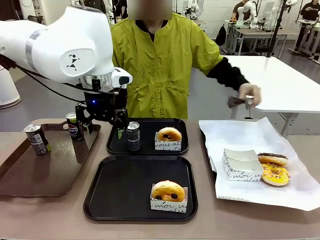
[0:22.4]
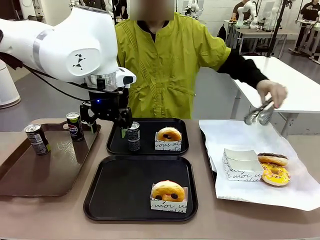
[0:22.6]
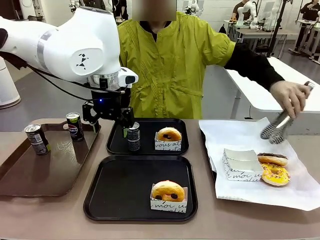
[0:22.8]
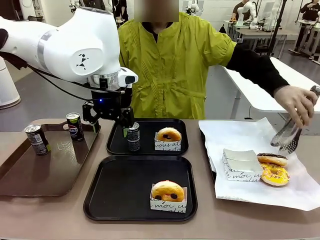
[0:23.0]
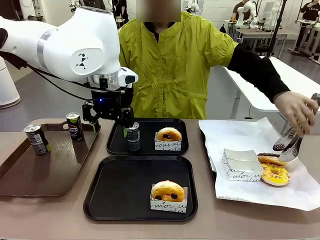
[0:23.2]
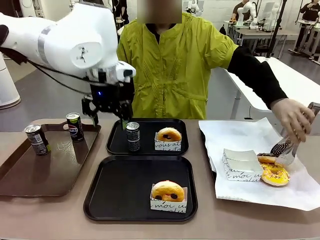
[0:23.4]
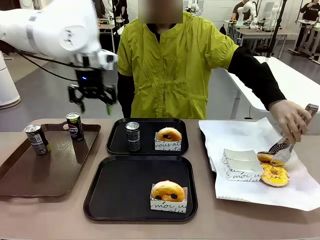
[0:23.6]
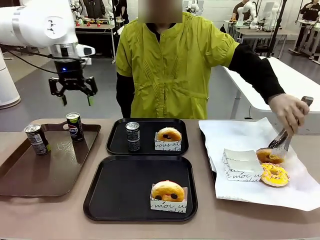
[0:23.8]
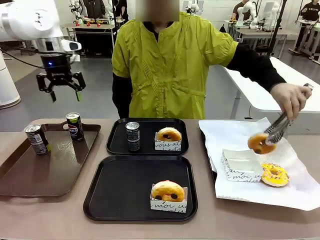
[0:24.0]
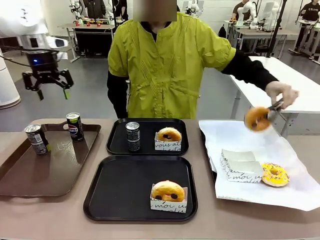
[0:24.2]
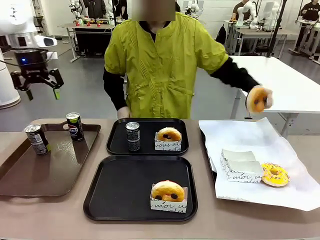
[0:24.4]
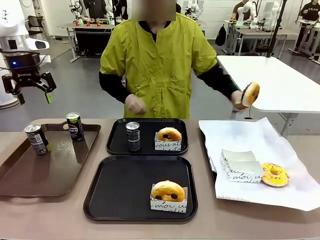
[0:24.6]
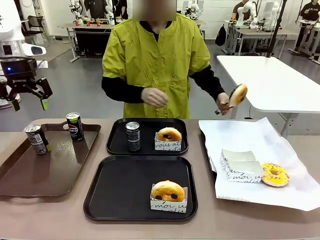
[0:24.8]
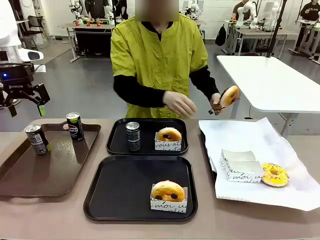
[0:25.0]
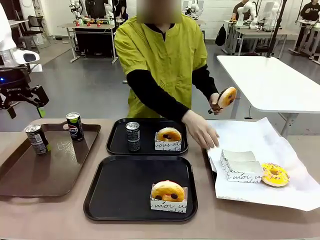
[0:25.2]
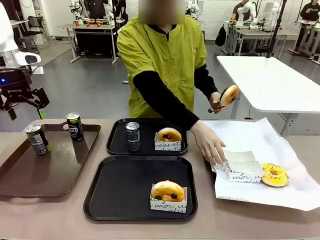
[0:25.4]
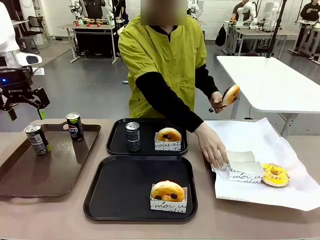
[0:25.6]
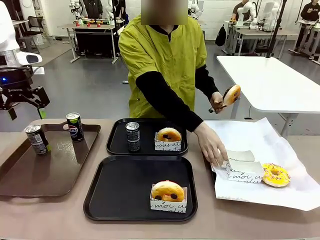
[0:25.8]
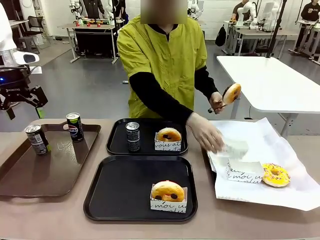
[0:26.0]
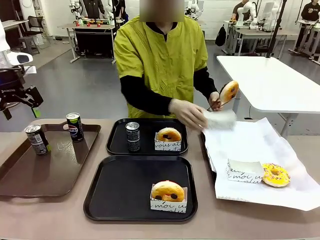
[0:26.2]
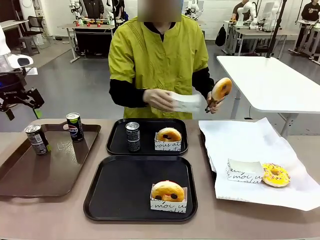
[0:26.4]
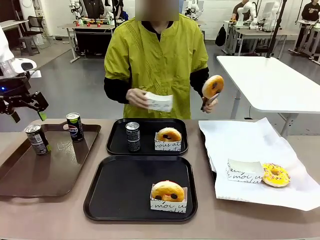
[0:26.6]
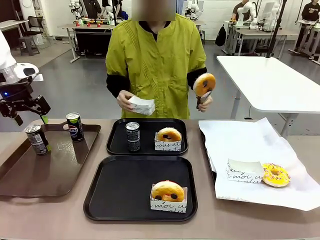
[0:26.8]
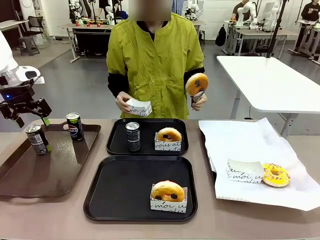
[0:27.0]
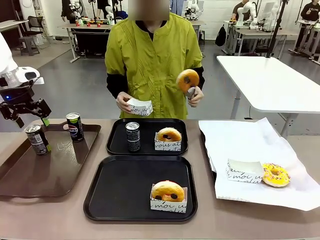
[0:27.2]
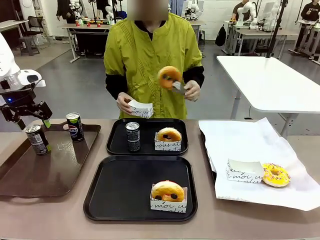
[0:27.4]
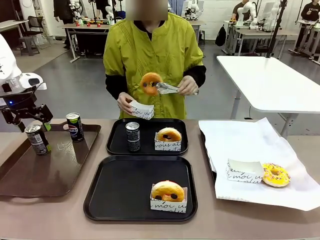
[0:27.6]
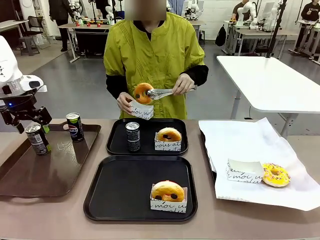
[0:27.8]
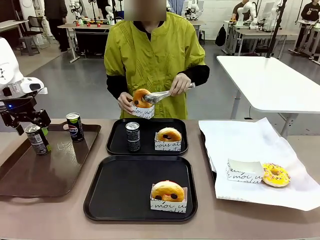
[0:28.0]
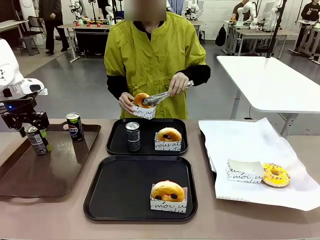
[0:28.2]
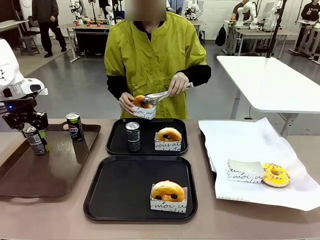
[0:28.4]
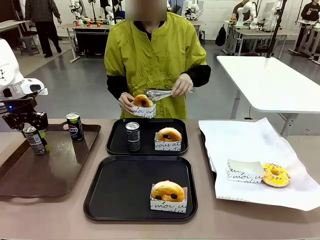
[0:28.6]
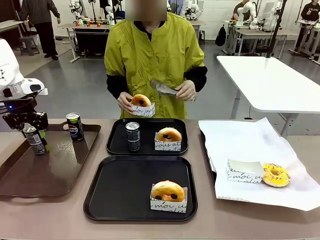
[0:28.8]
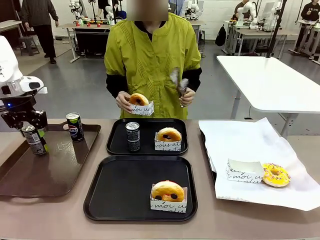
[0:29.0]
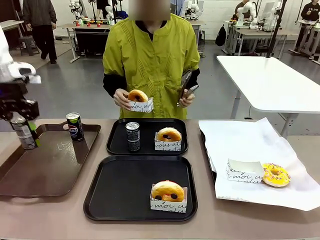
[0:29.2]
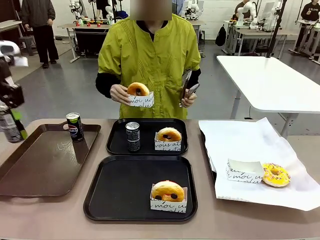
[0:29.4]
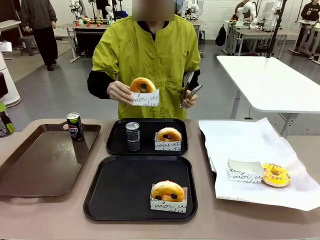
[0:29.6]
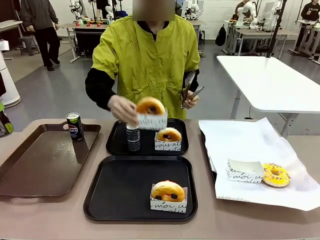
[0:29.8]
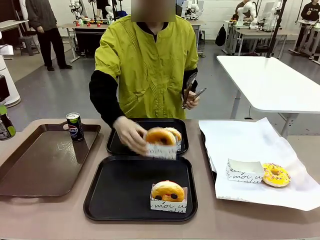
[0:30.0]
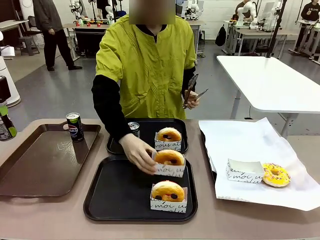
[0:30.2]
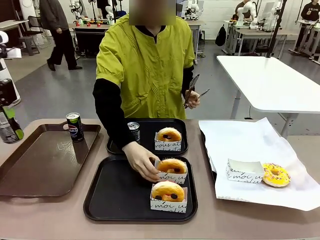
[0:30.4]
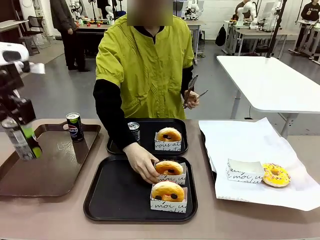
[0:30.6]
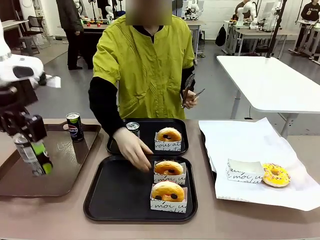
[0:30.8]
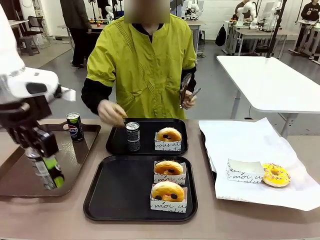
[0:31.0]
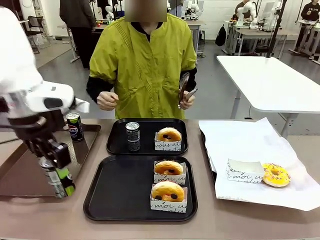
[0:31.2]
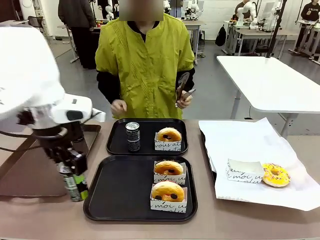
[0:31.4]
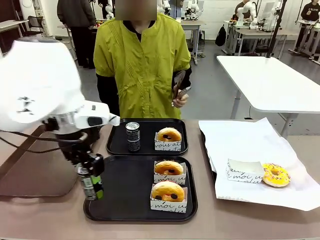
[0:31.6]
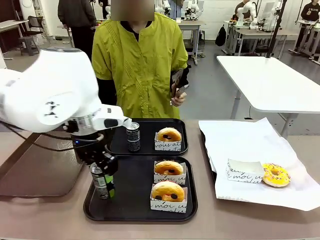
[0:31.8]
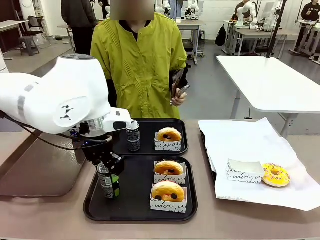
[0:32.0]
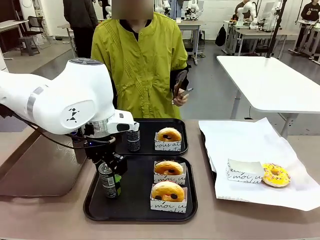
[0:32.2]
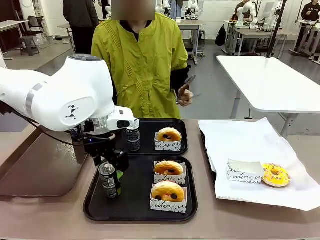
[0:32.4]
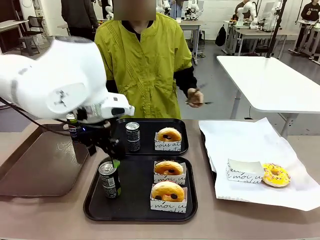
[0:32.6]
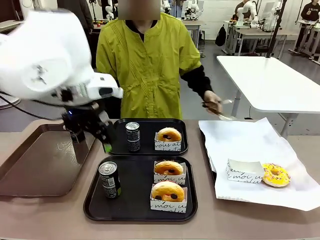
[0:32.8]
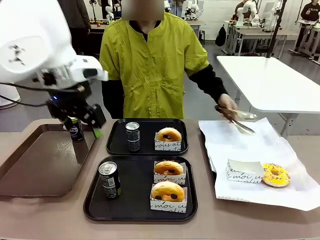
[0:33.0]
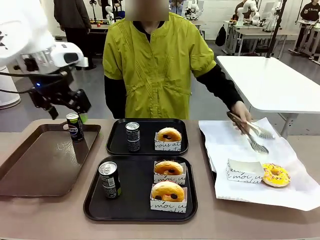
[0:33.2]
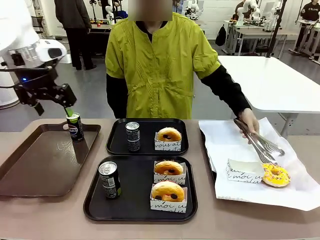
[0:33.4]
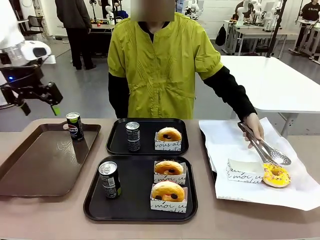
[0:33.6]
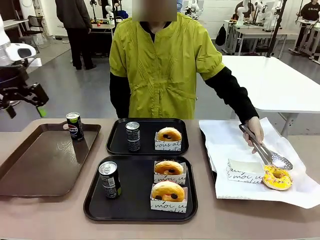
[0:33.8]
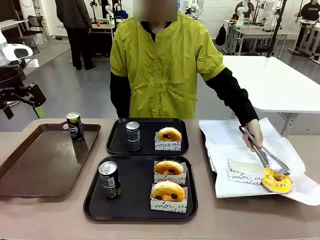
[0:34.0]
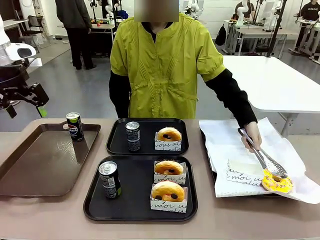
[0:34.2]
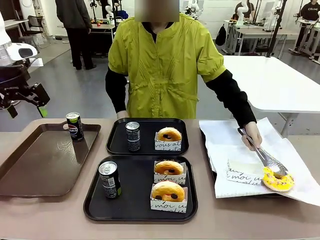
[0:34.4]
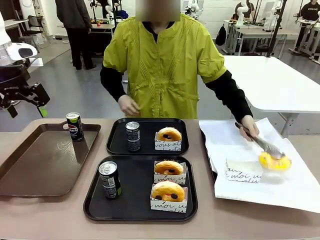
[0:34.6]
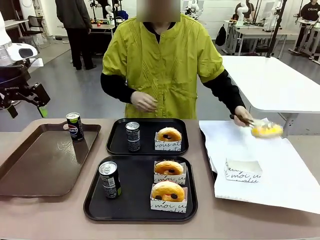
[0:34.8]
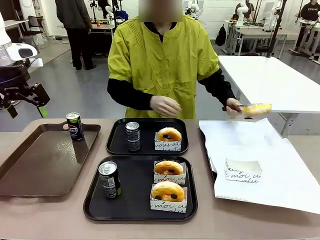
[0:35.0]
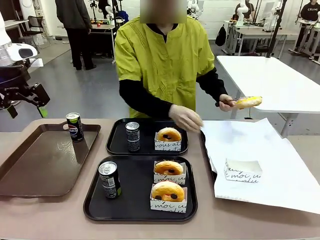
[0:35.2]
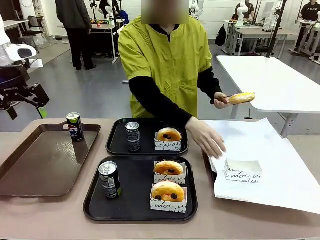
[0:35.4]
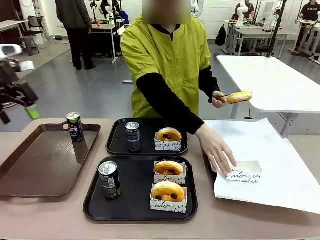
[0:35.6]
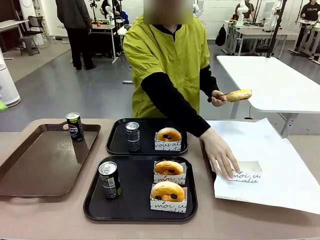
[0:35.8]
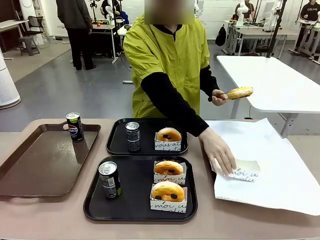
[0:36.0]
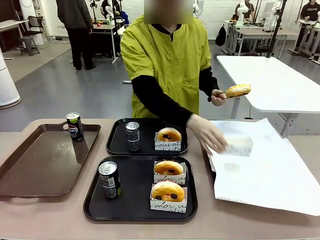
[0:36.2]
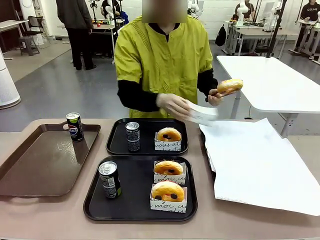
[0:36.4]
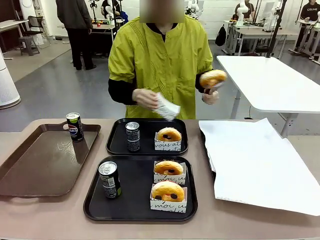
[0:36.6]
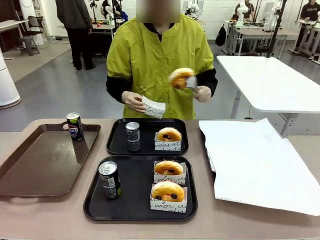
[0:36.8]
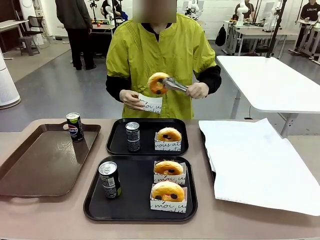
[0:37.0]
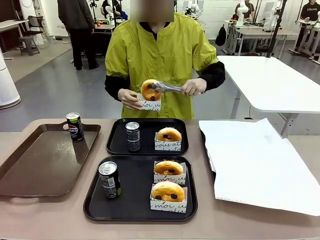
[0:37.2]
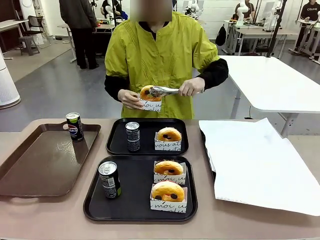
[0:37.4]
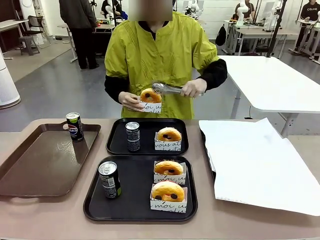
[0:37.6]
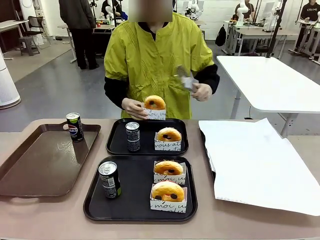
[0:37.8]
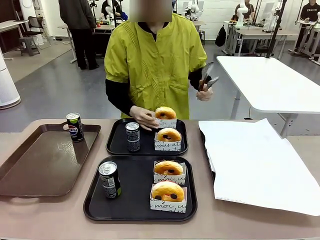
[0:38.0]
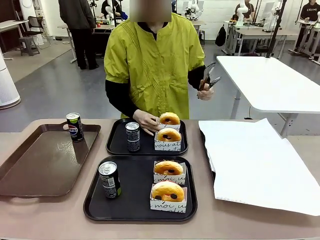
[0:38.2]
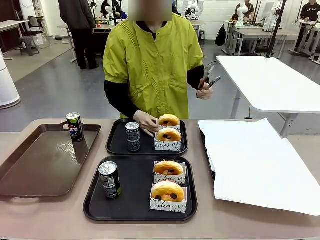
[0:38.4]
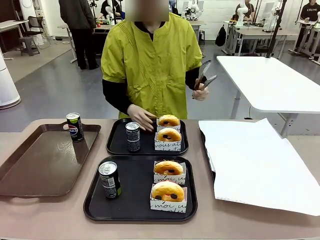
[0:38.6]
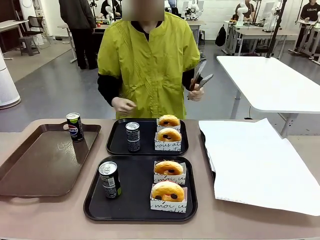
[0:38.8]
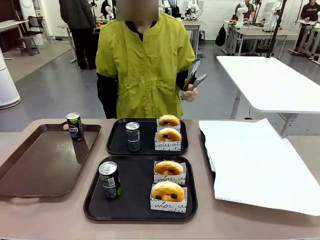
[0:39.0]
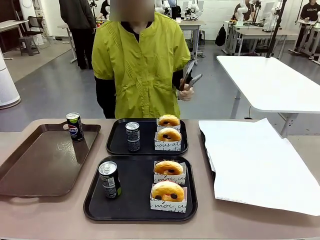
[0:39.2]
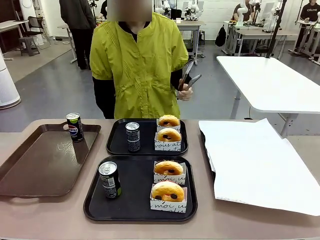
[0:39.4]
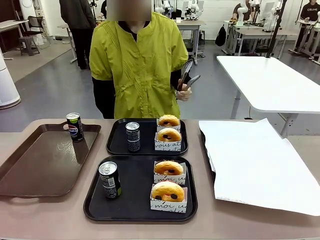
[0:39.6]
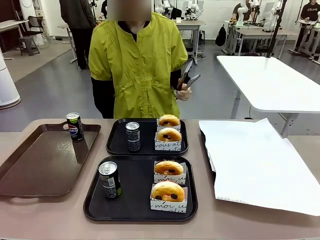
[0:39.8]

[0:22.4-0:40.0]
Task: Set up donuts and drinks on trays.
Robot: Pick up one Pepsi coke from the Handle tray and place it on the Flat Tray without a Pepsi coke.

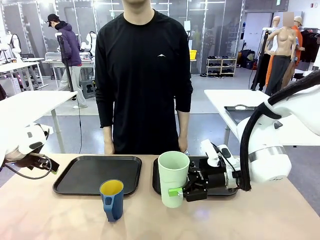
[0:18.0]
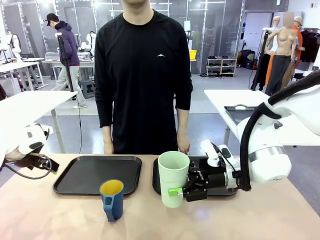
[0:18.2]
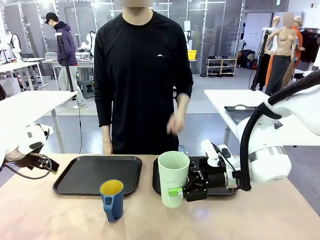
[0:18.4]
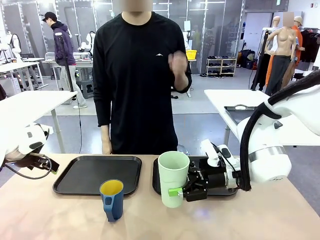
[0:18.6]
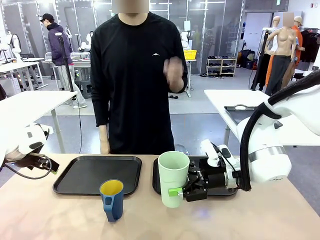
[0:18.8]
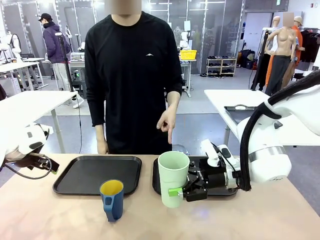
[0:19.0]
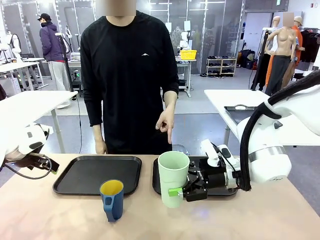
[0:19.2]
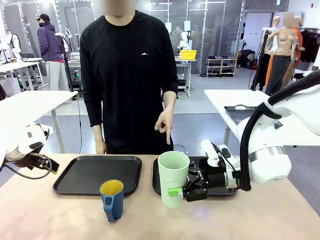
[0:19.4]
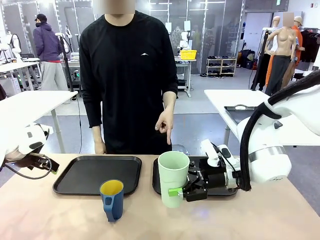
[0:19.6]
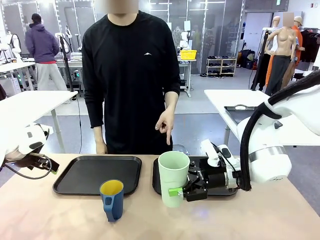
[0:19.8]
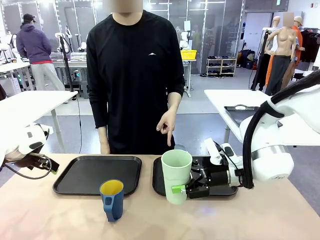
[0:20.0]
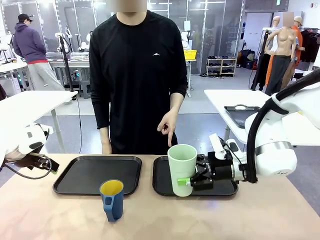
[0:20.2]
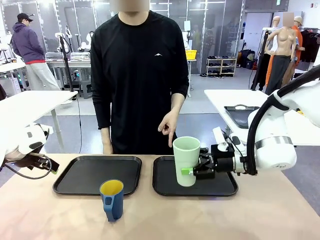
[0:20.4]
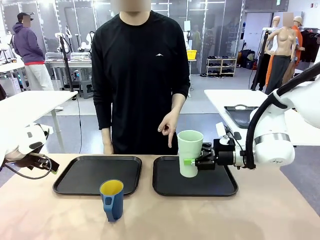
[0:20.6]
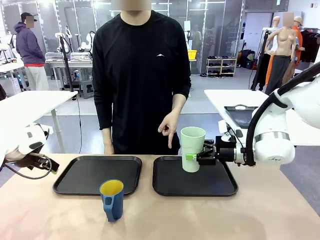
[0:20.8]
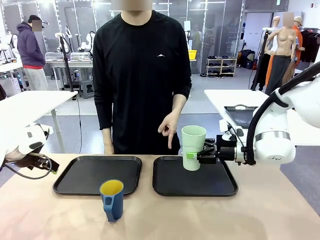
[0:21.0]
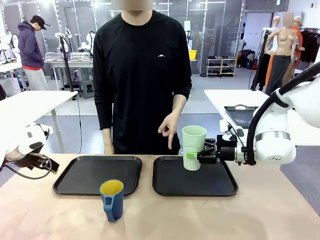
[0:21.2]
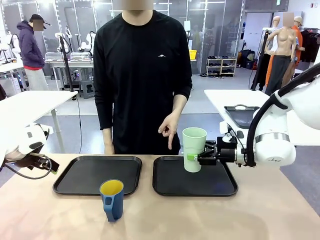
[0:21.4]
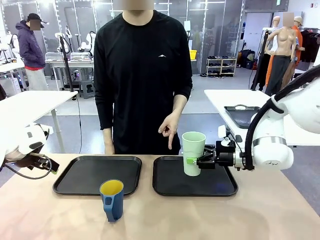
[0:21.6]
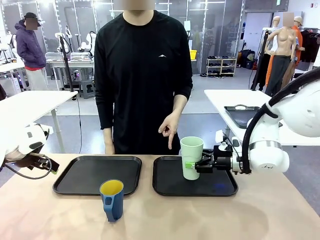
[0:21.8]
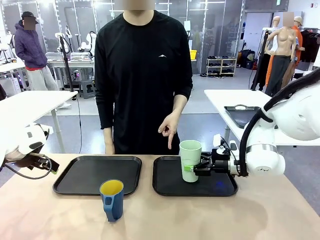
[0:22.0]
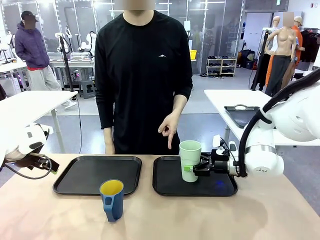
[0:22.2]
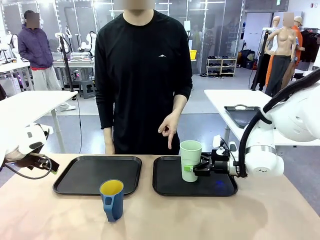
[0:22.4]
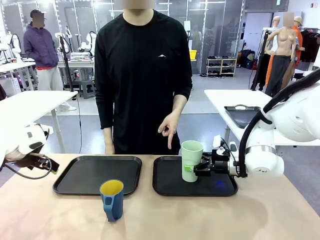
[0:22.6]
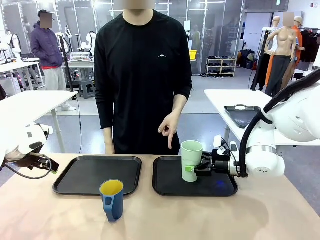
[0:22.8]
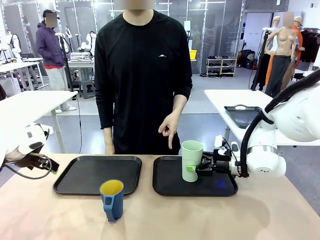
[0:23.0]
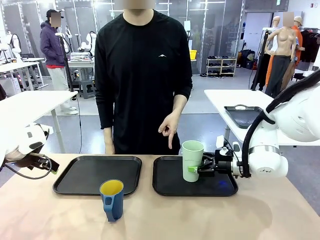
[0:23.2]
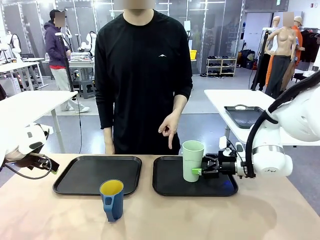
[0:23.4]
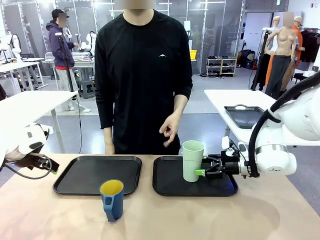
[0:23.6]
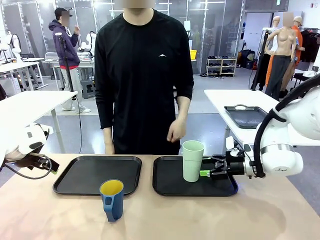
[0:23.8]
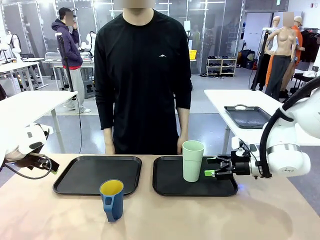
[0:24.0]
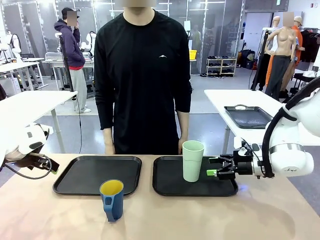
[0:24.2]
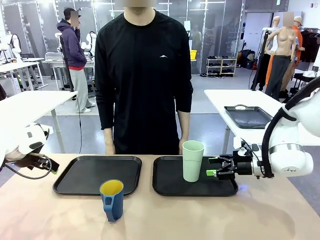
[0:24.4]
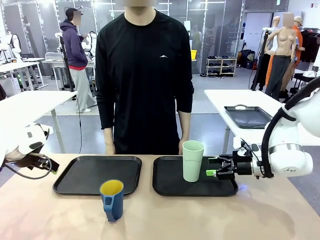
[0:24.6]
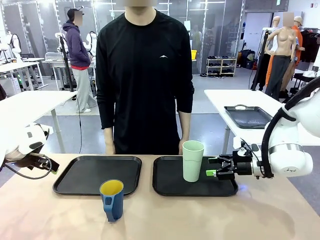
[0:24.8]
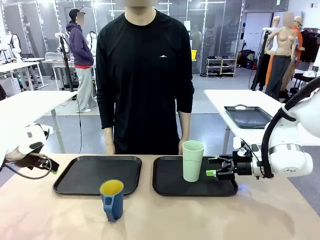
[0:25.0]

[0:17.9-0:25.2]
Task: Sort and store the cups by type.
Robot: Place the picked Reusable plastic cup into the Flat Tray indicated by the person.
